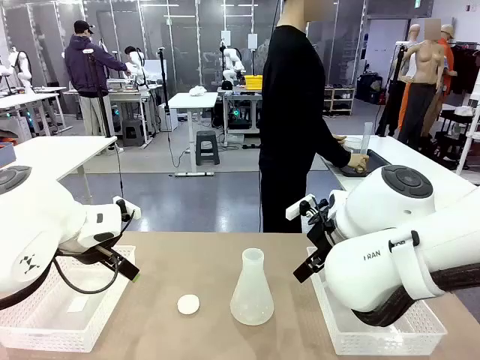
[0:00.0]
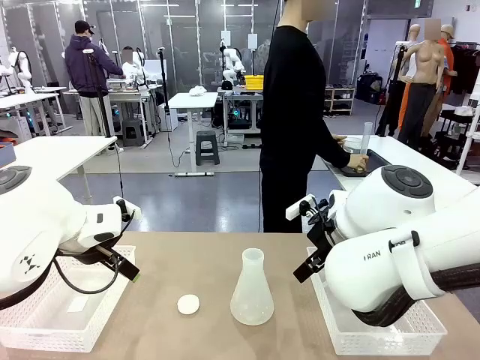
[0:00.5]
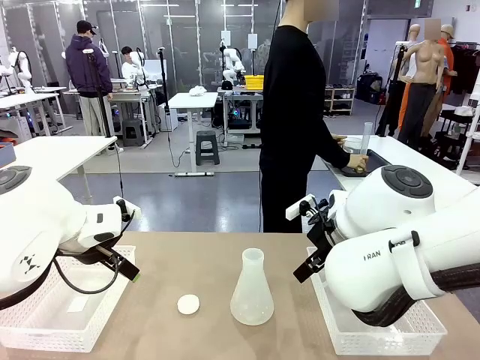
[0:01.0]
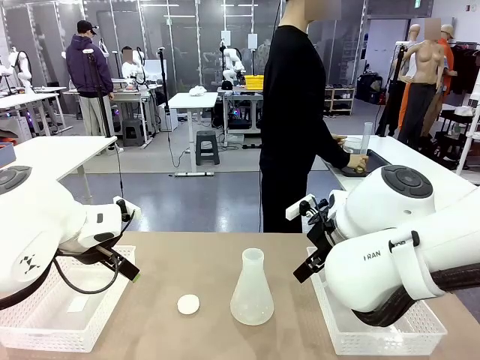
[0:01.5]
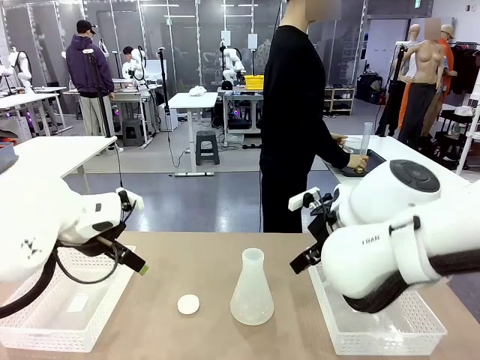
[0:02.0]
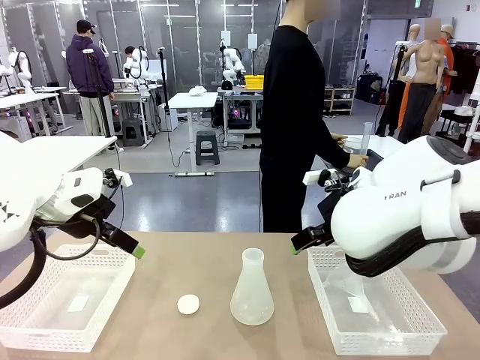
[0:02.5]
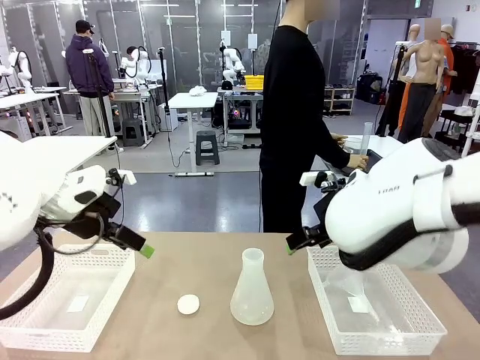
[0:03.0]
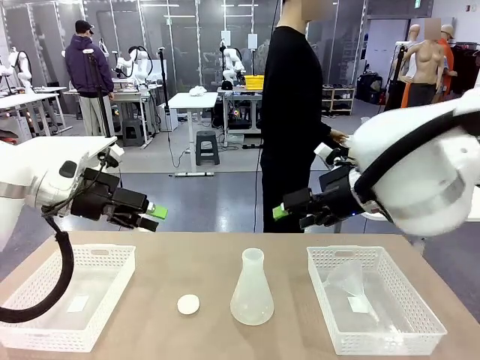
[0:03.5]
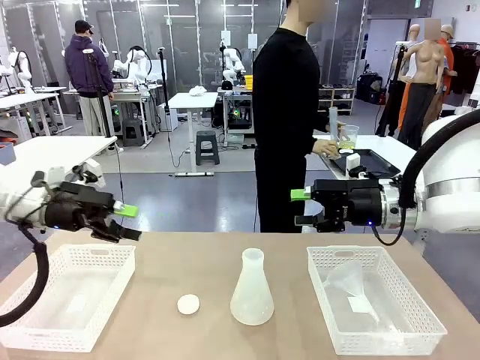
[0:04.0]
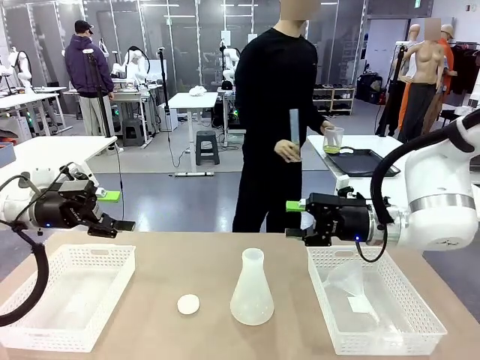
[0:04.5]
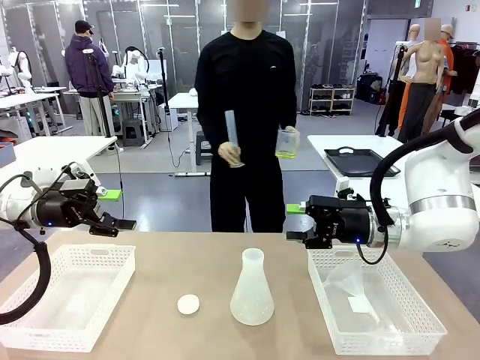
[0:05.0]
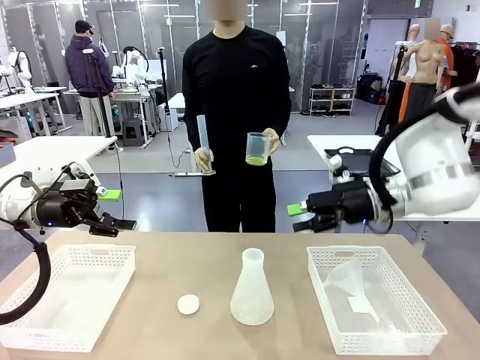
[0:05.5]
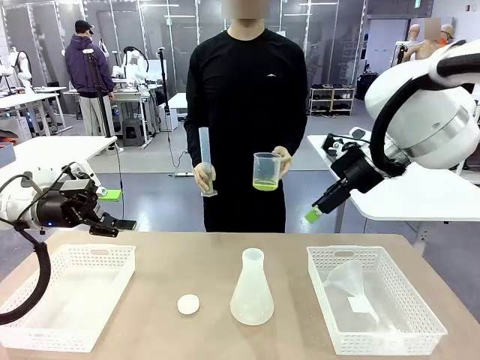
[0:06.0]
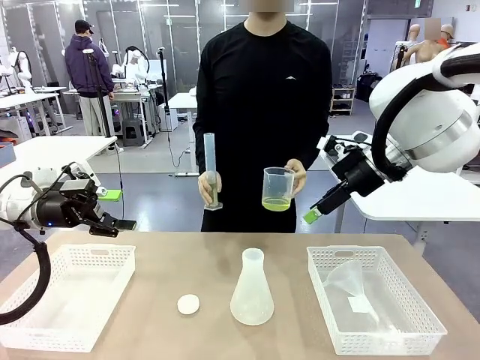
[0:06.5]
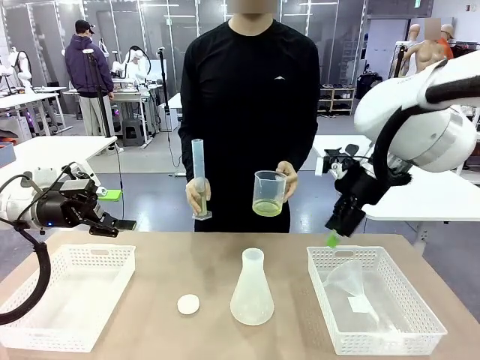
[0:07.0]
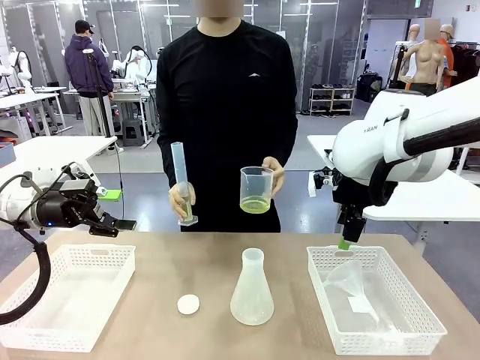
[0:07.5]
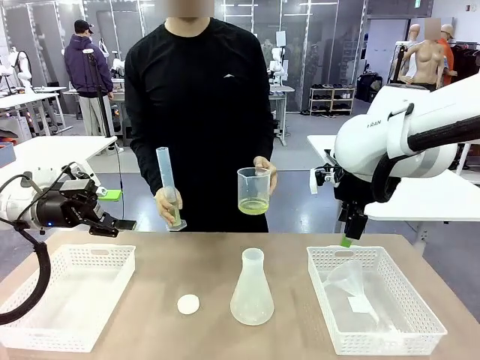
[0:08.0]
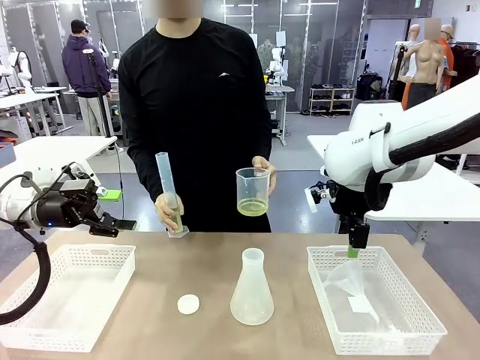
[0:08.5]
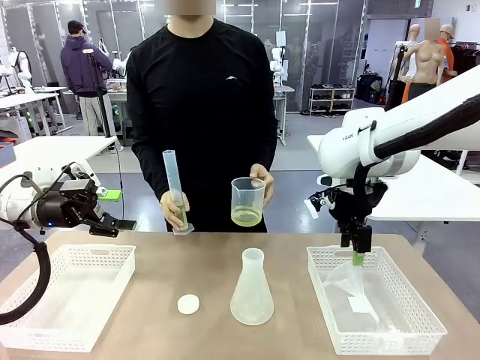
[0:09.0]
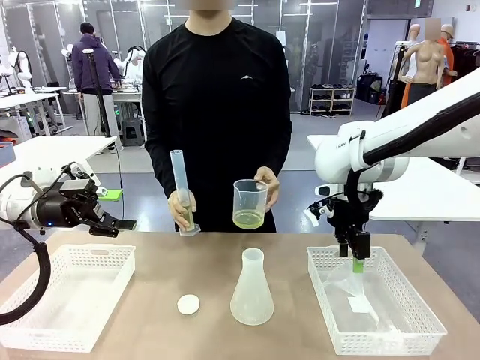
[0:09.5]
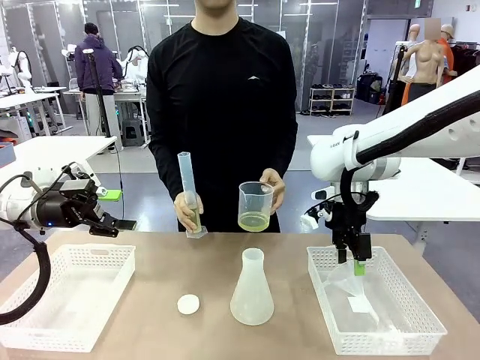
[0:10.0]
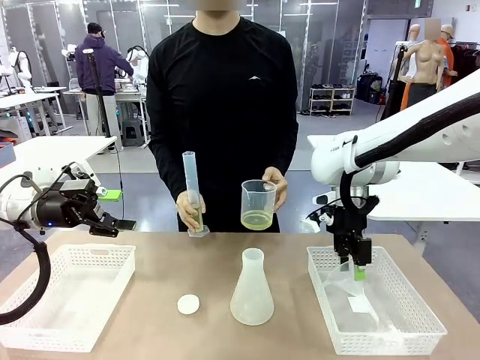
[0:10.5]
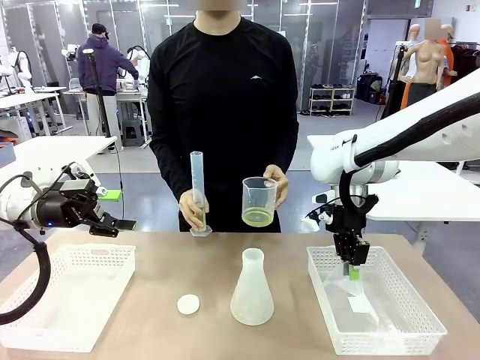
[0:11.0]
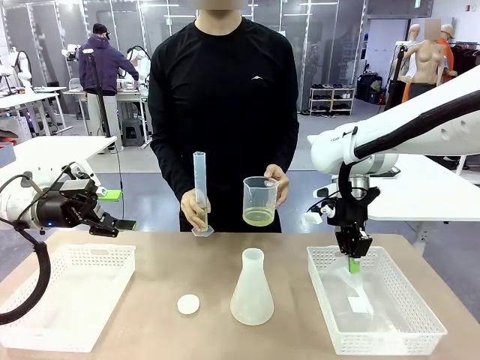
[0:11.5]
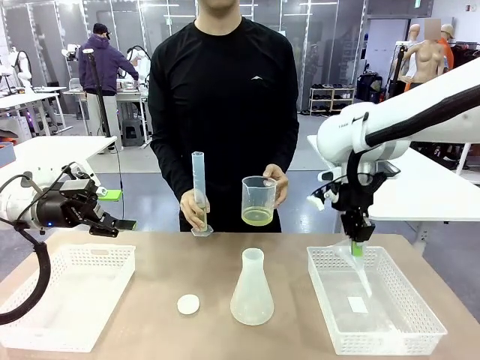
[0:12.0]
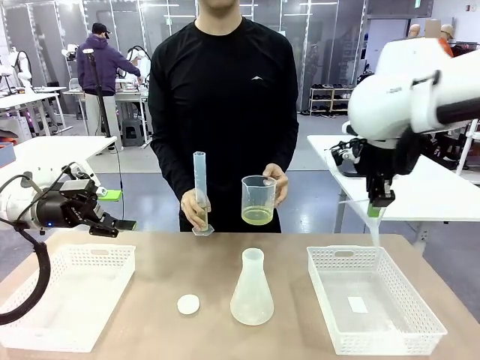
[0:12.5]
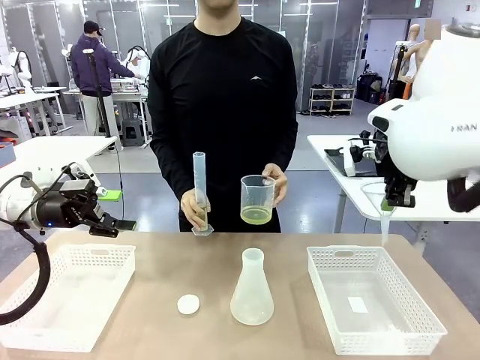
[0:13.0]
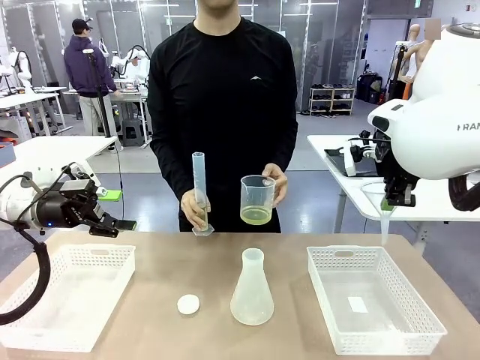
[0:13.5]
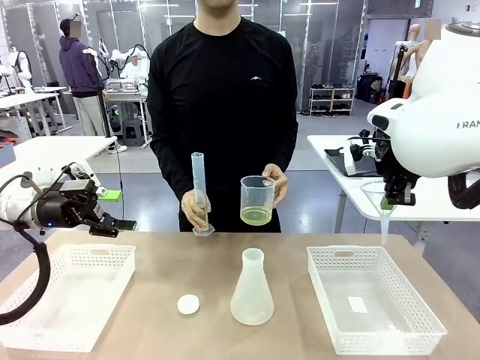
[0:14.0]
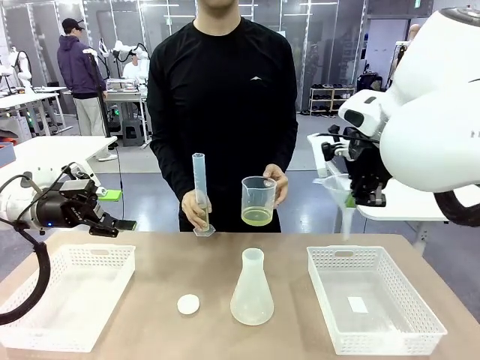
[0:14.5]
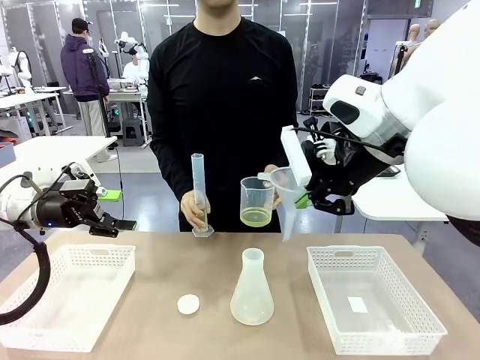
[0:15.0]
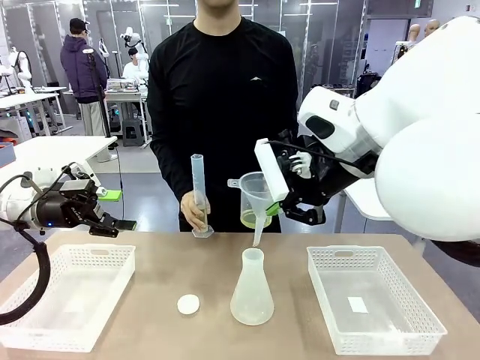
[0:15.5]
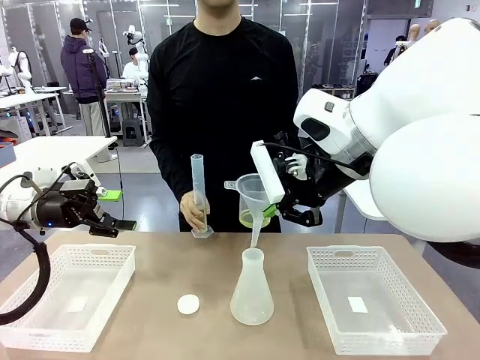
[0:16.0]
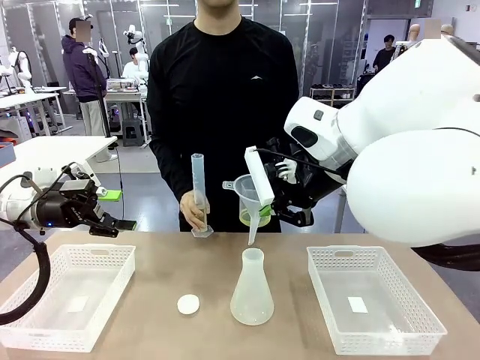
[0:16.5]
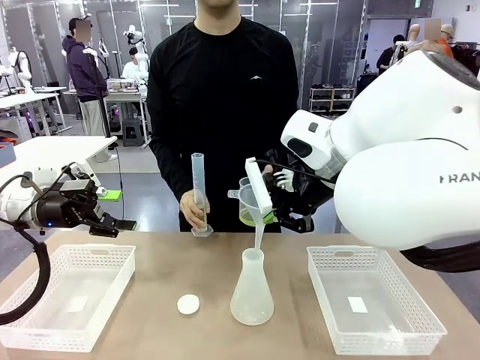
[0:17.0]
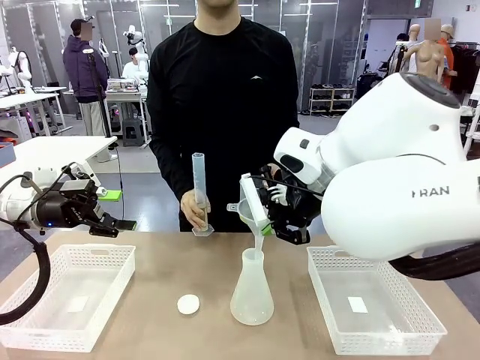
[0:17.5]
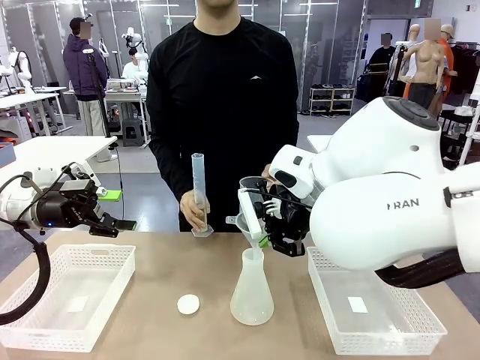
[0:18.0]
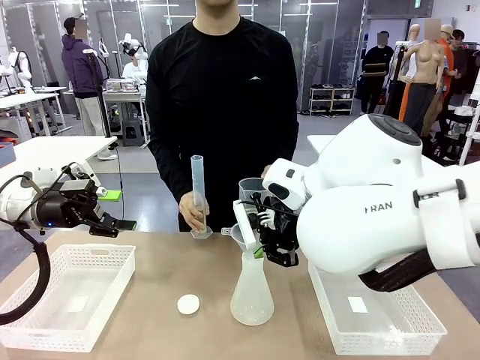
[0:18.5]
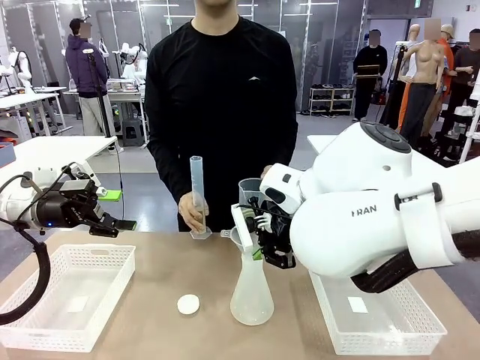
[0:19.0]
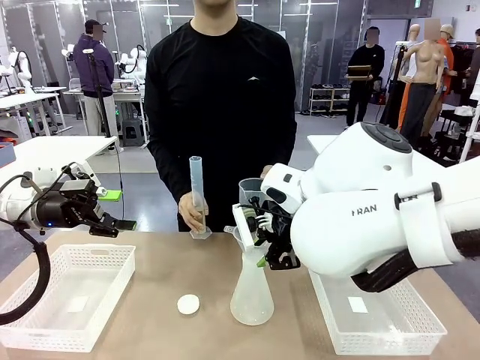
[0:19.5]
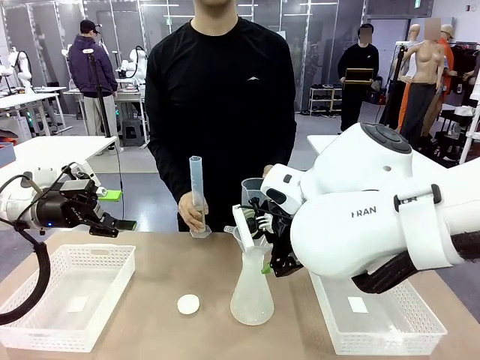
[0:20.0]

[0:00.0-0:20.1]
Task: Prepare the solutions needed for the experiment.
Robot: Pick up the Plastic Funnel and insert it into the Big flask.
Person: Pick up the beaker and the cylinder and move to the middle of the robot table. Pour the solution from the beaker and the cylinder into the flask.
